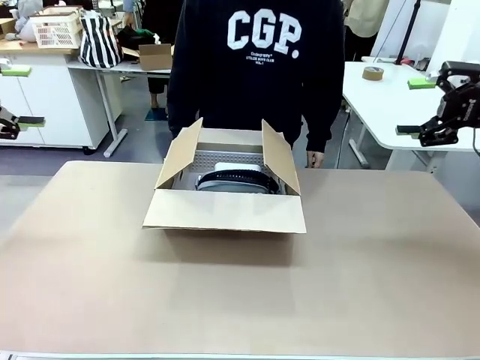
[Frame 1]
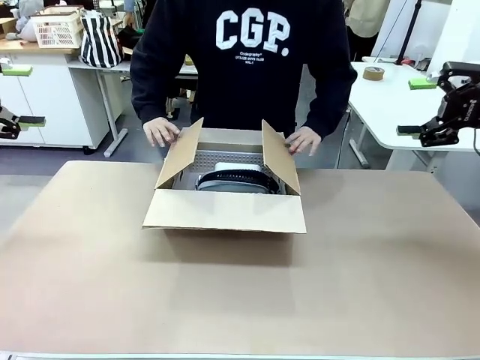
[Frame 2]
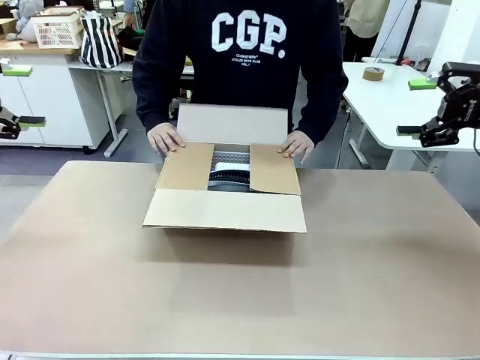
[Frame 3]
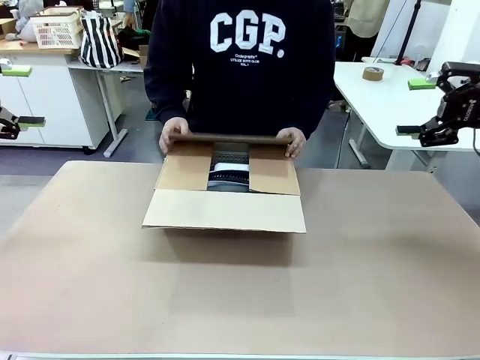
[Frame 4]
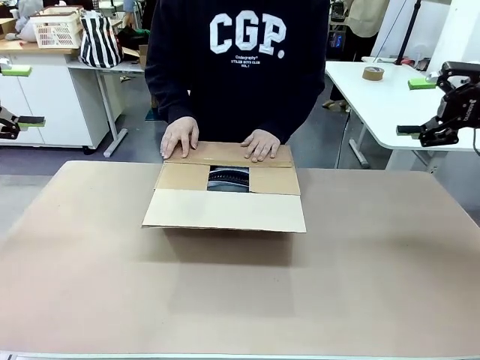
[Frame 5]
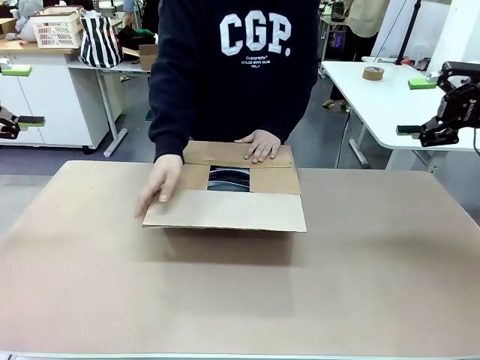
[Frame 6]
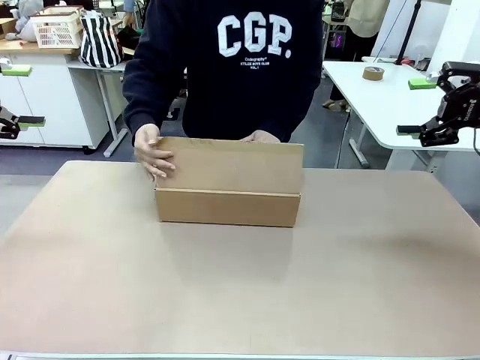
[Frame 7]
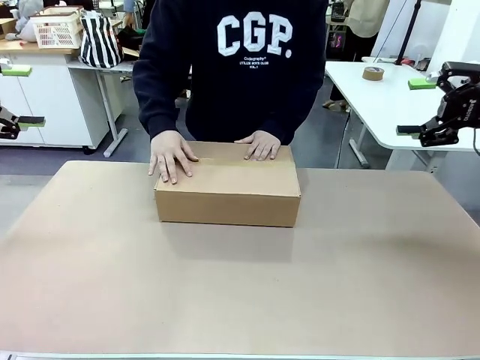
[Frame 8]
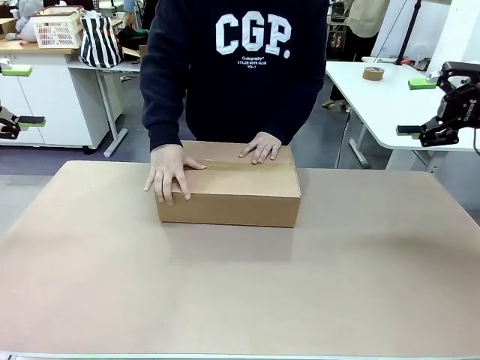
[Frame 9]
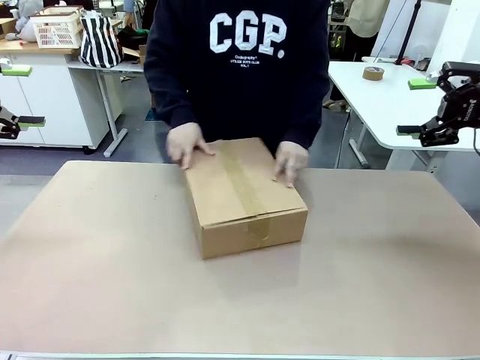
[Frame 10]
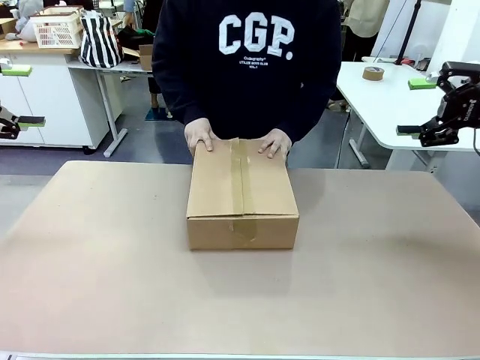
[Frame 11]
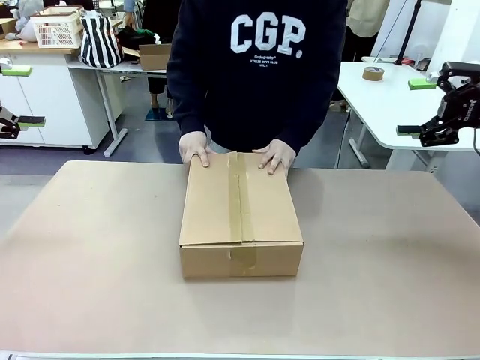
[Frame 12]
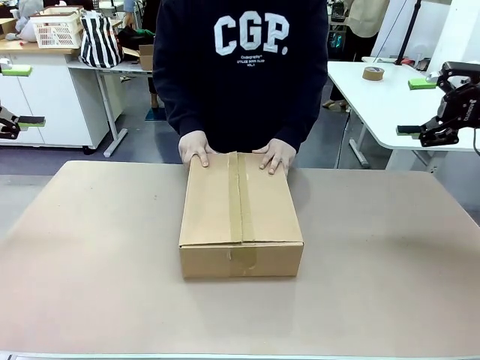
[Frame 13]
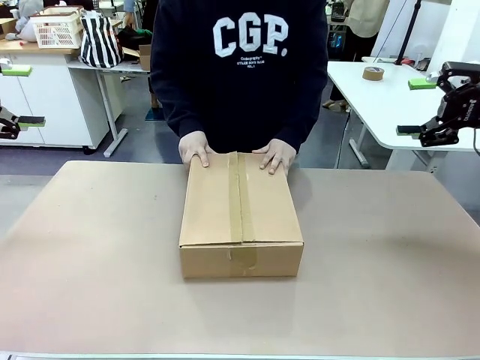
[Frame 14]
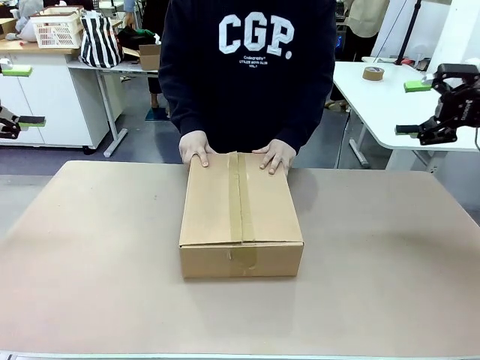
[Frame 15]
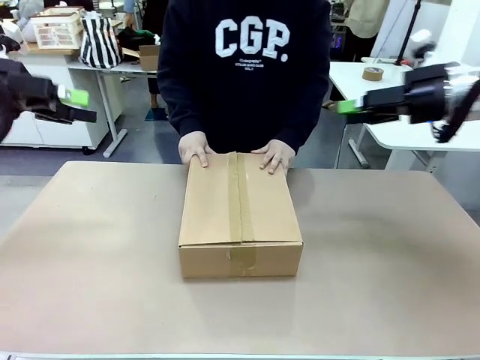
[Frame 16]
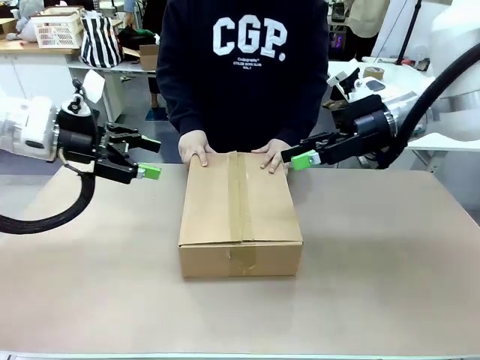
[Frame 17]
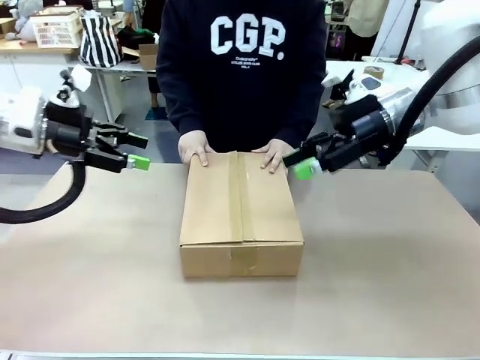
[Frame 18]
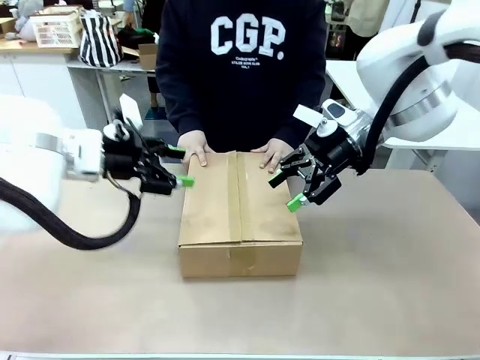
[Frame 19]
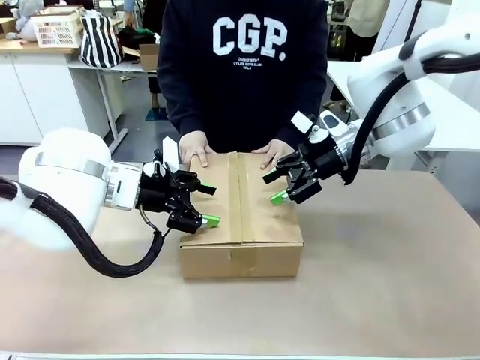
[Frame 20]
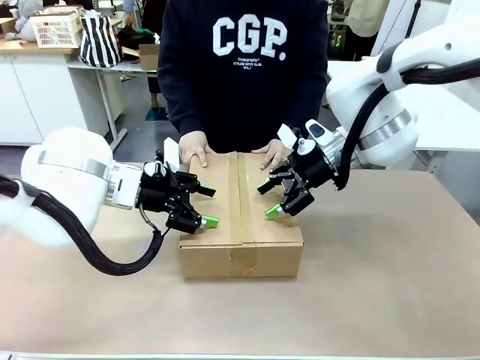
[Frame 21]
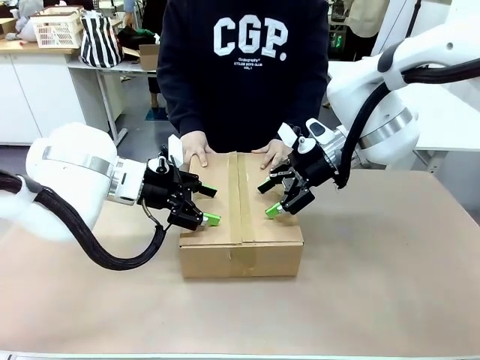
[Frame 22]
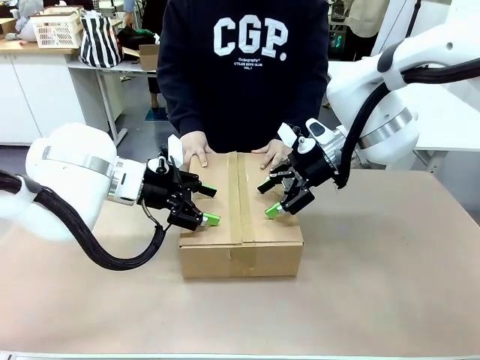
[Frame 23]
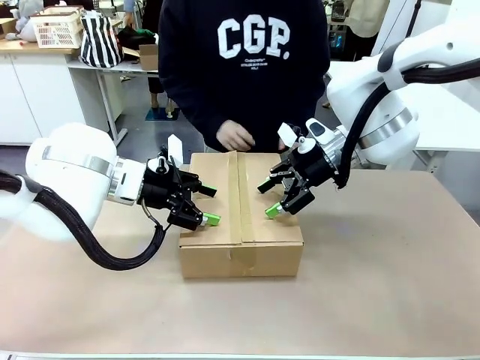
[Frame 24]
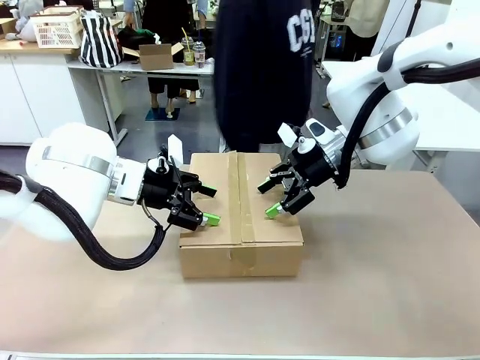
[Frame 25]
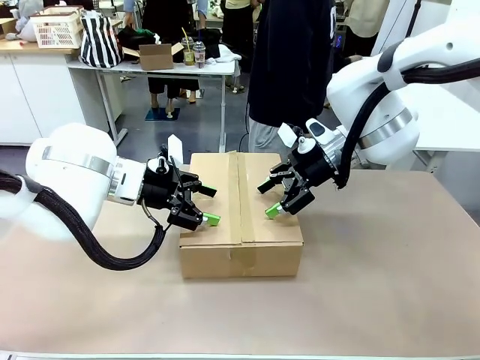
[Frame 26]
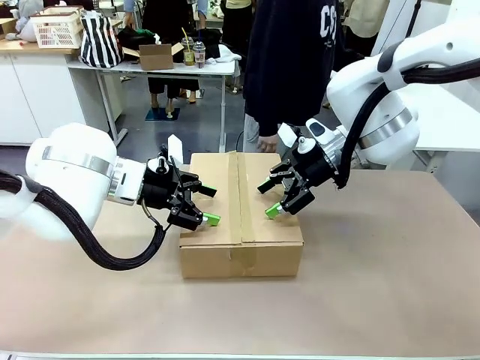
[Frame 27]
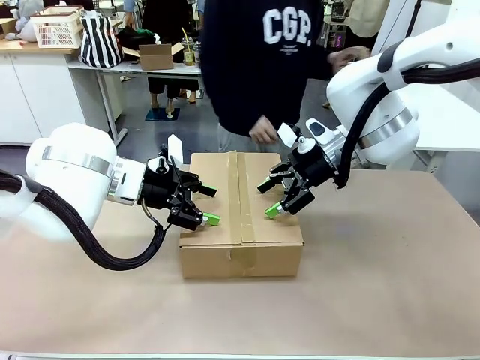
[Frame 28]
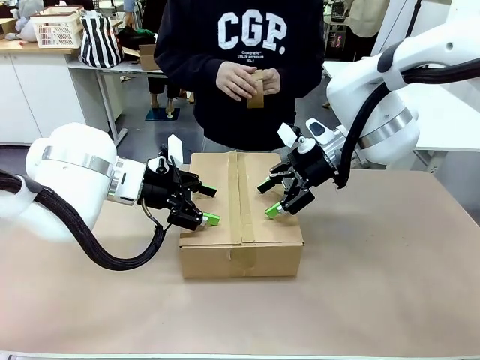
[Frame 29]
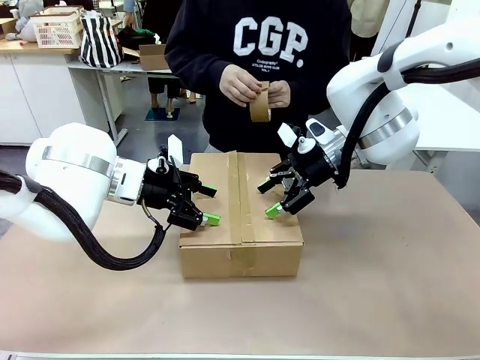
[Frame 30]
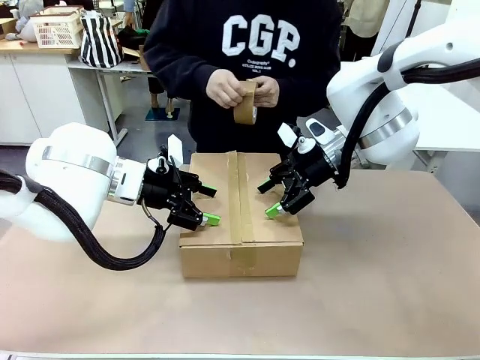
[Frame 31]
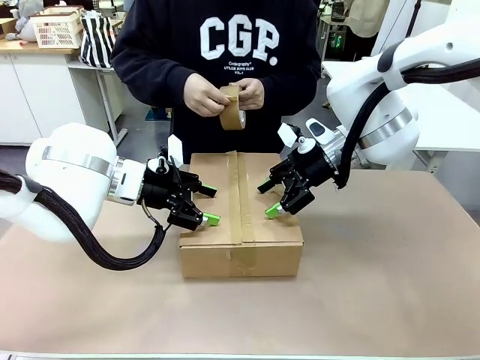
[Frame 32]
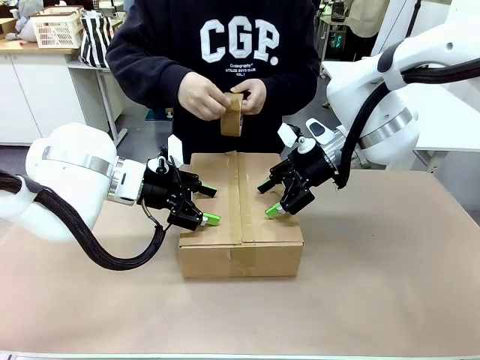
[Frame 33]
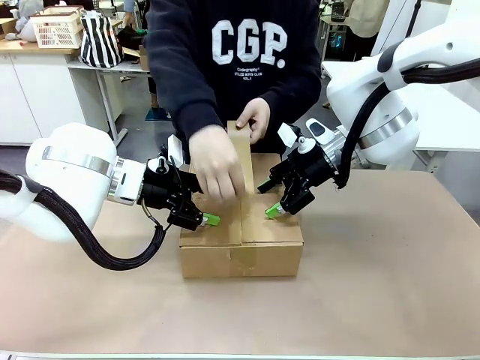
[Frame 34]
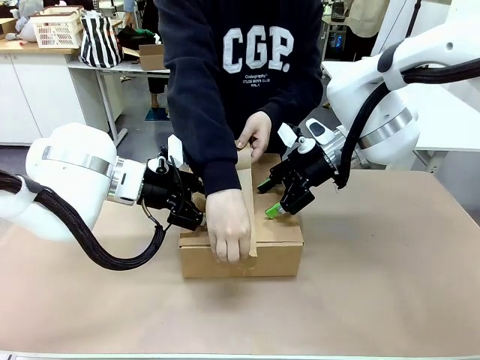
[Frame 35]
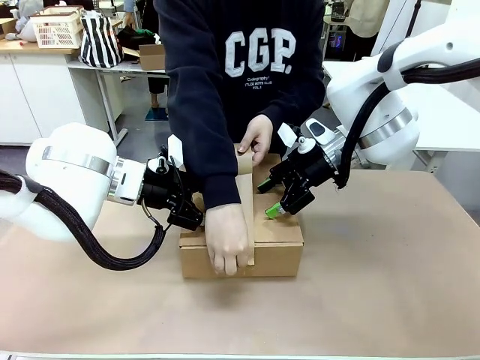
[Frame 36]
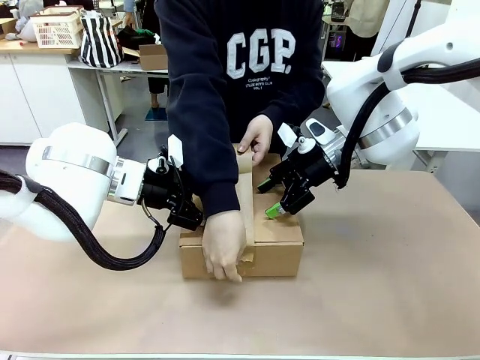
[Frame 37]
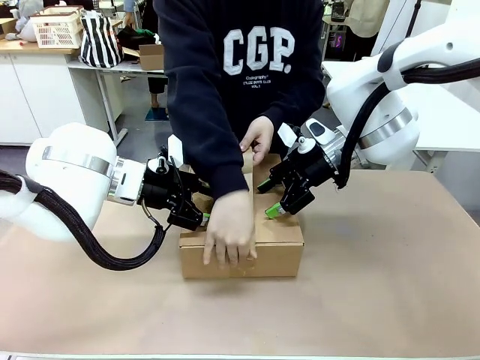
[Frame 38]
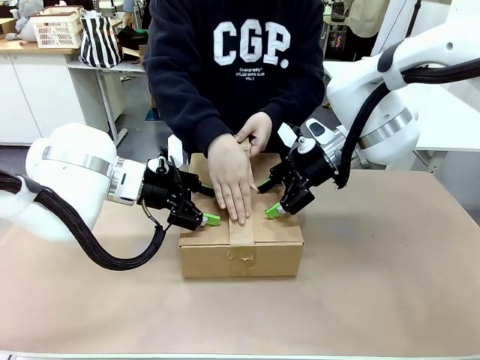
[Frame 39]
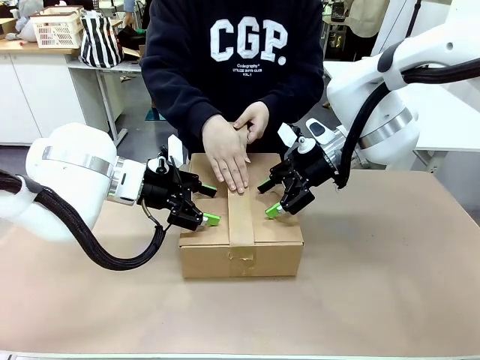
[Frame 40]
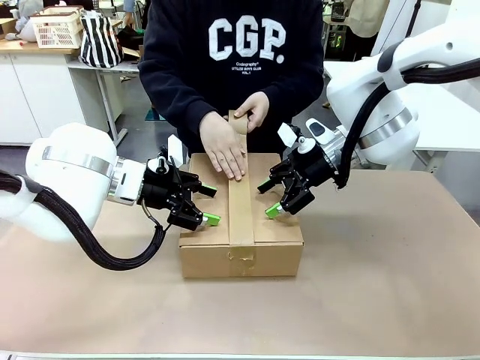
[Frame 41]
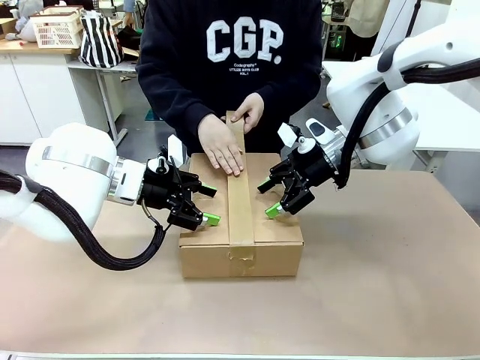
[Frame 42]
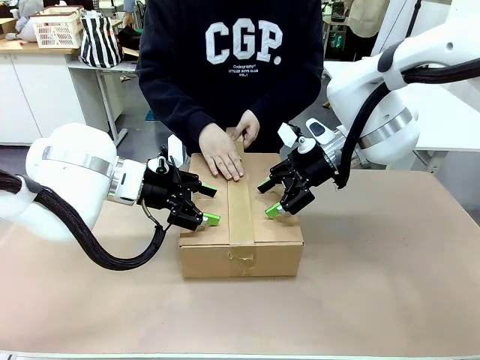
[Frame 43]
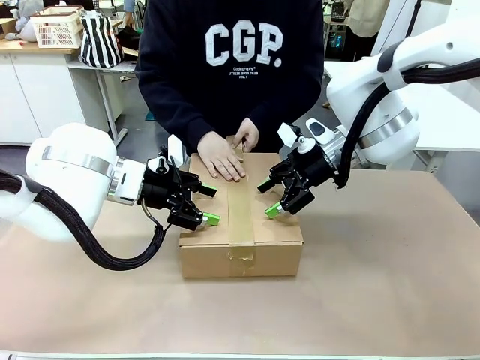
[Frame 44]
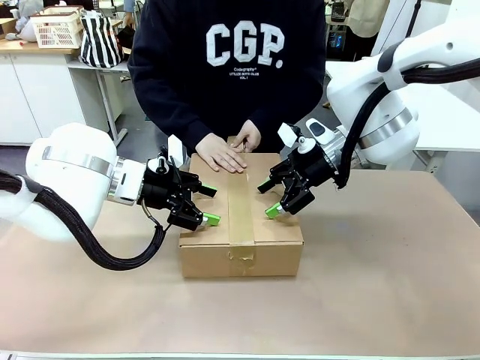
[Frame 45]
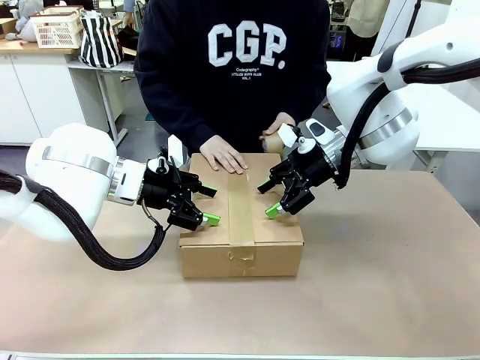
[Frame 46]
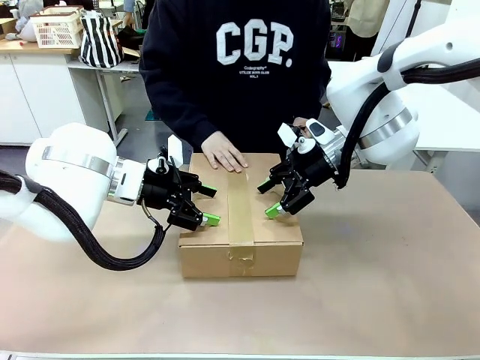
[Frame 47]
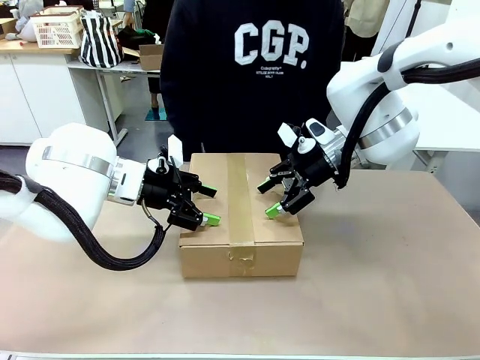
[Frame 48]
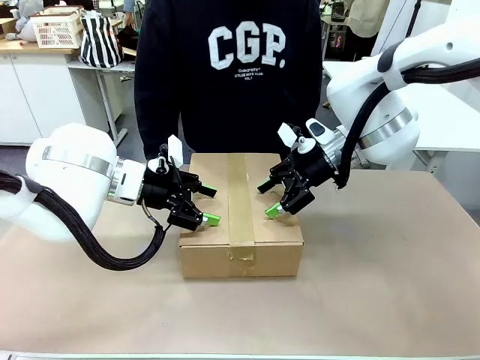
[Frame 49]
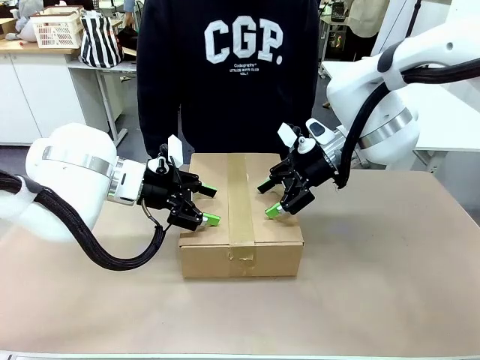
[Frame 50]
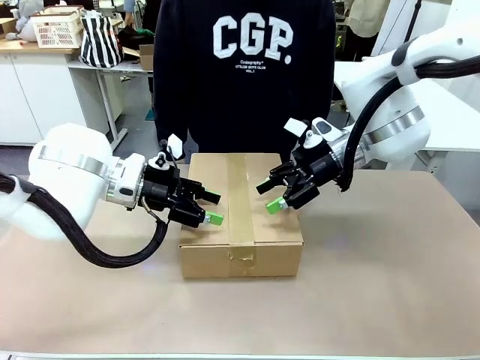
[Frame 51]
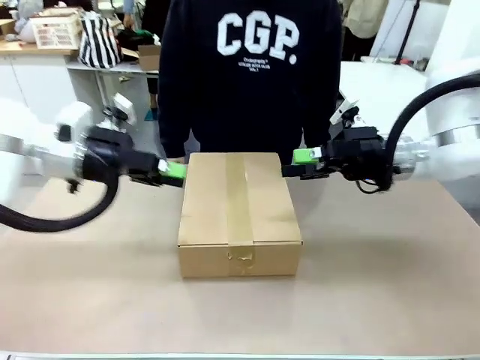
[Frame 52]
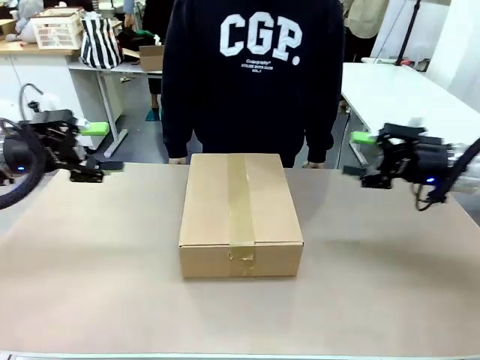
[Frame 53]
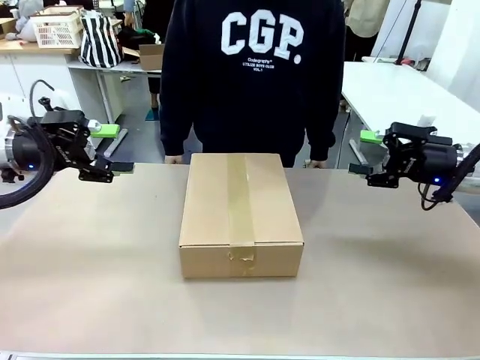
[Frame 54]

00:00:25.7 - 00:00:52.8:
Task: Pack the gift set into the box.
Robot: Press and hold the closed box until the human finishes sealing it.
Person: The human closes the box and rotates the box by 90 degrees. The human picks up the paper tape from the human table and packs the box.
